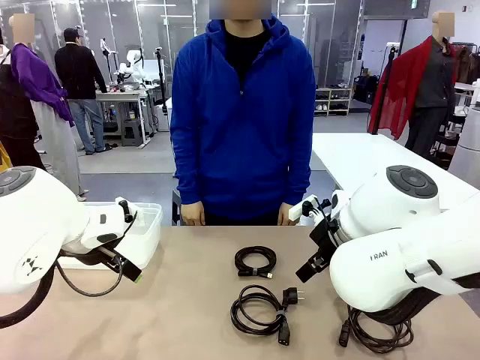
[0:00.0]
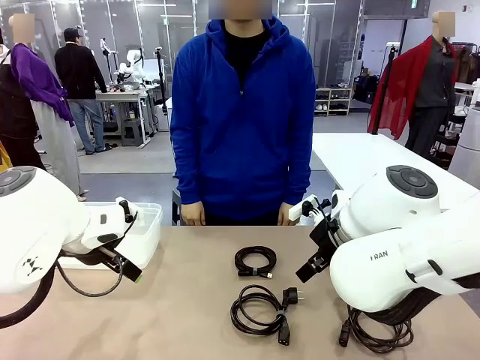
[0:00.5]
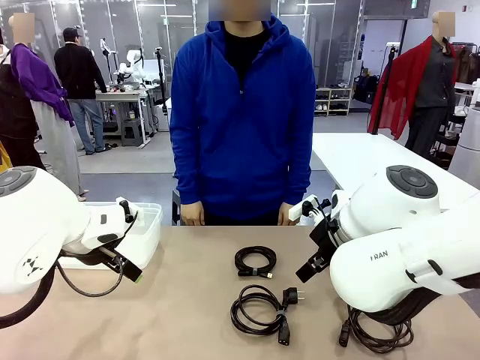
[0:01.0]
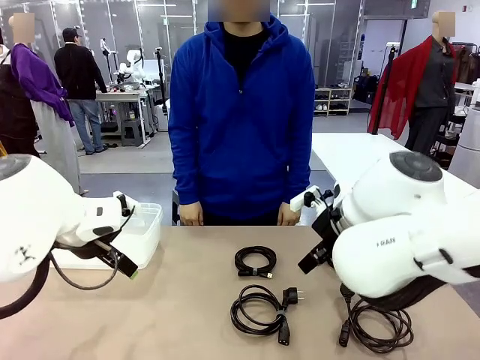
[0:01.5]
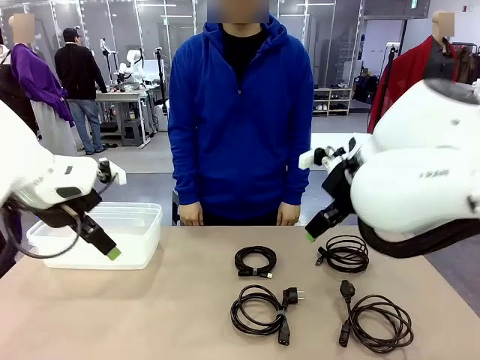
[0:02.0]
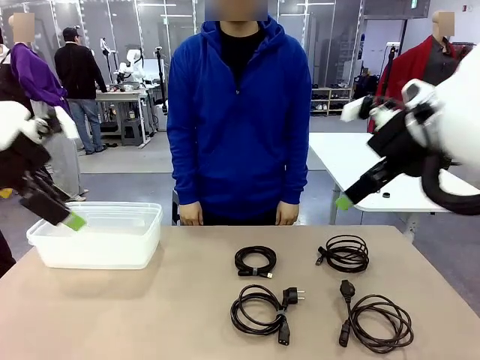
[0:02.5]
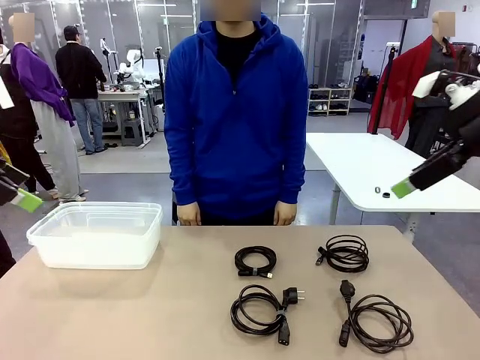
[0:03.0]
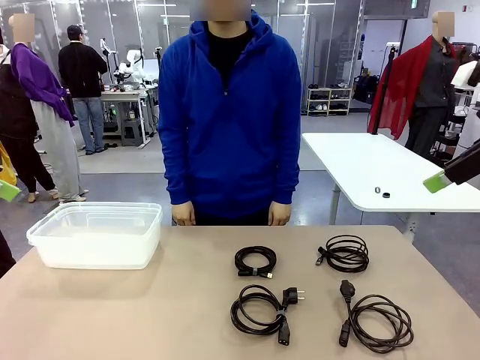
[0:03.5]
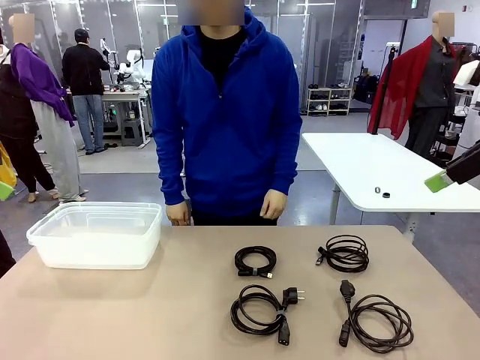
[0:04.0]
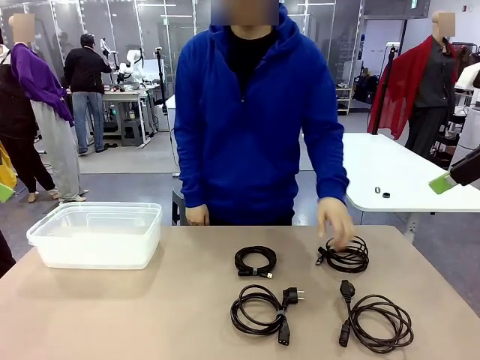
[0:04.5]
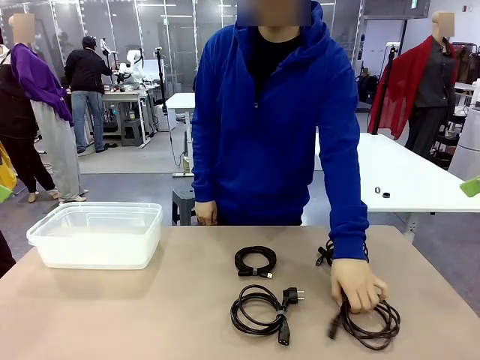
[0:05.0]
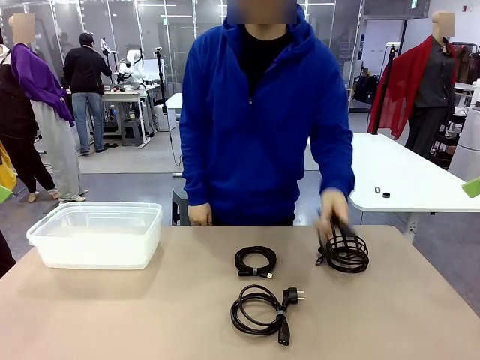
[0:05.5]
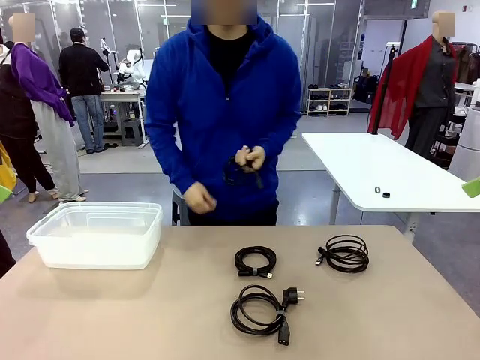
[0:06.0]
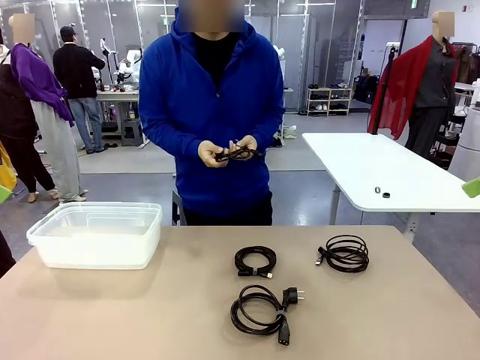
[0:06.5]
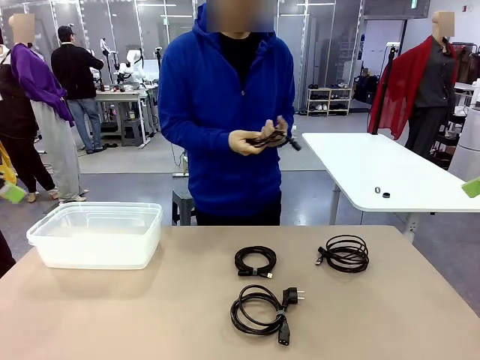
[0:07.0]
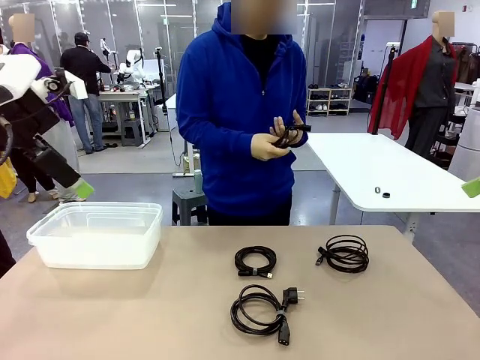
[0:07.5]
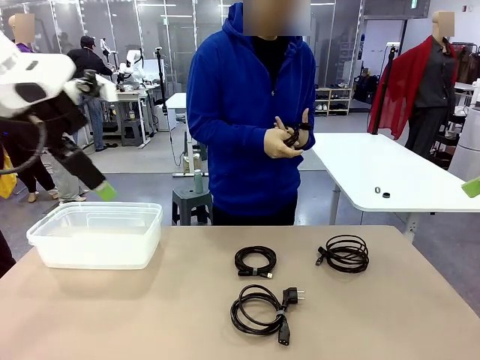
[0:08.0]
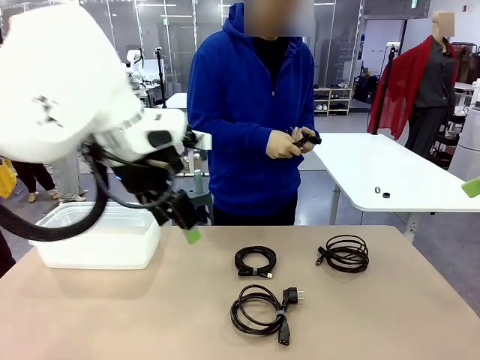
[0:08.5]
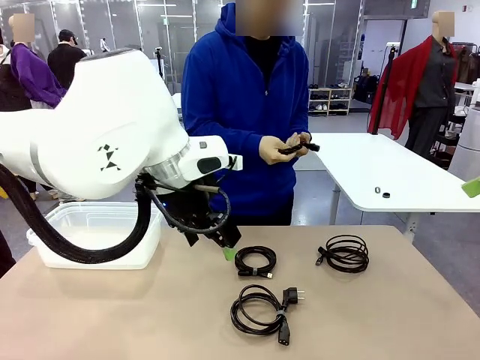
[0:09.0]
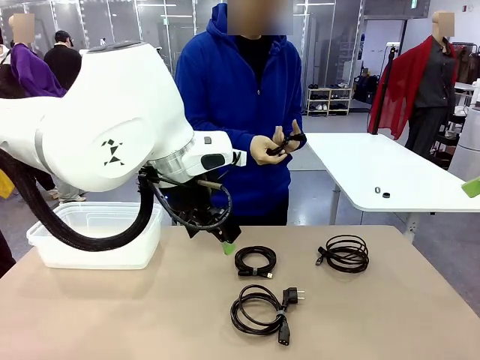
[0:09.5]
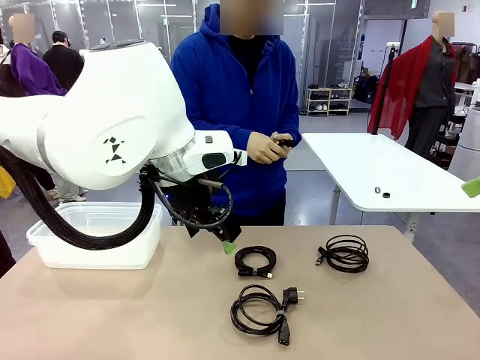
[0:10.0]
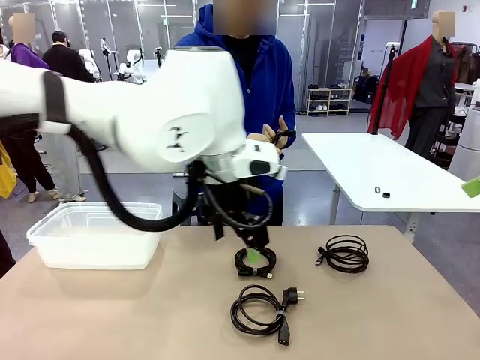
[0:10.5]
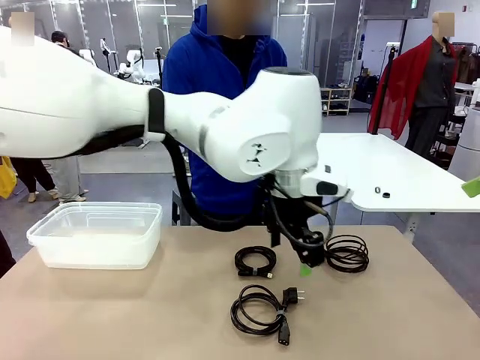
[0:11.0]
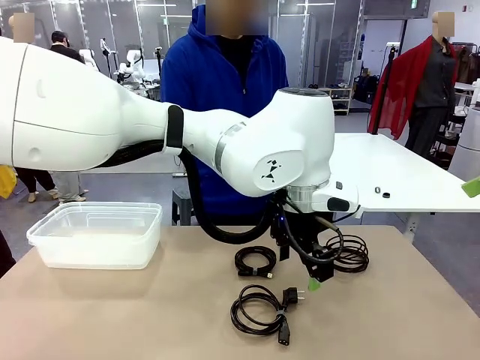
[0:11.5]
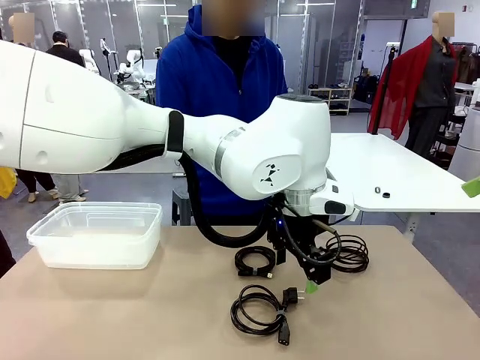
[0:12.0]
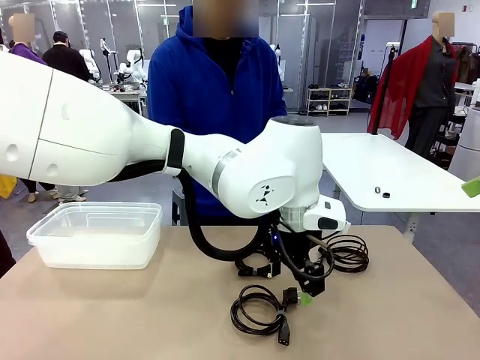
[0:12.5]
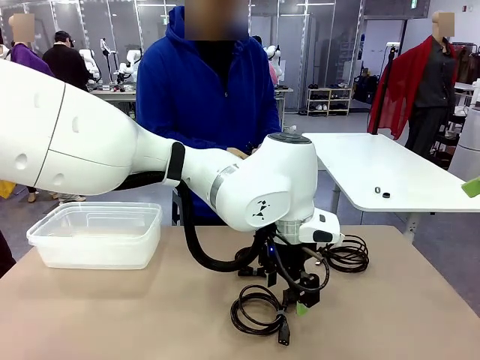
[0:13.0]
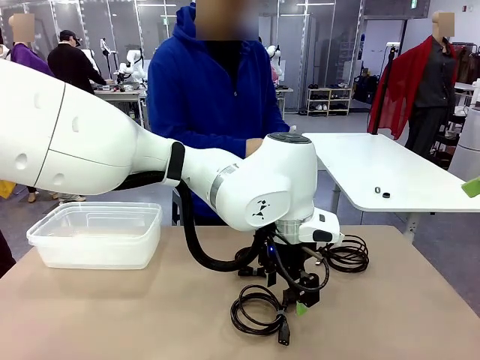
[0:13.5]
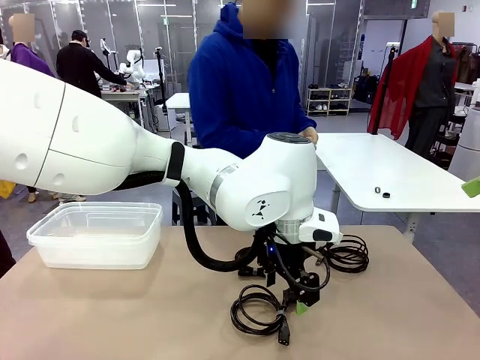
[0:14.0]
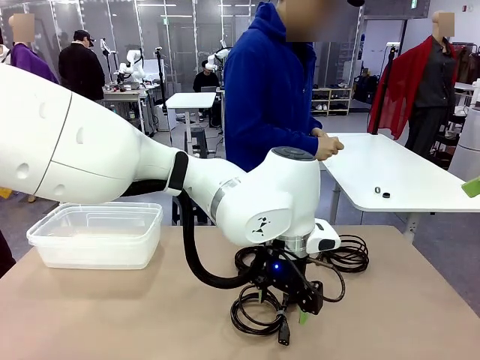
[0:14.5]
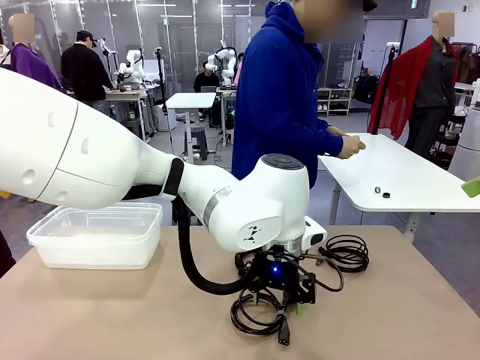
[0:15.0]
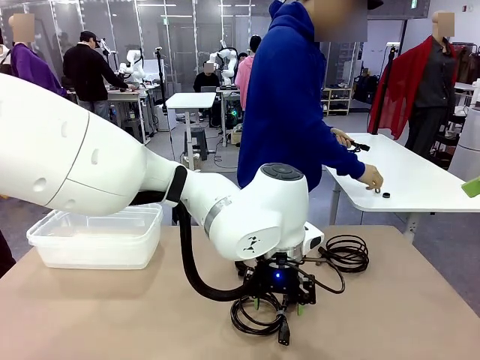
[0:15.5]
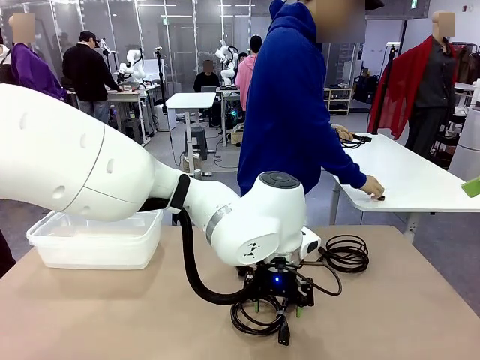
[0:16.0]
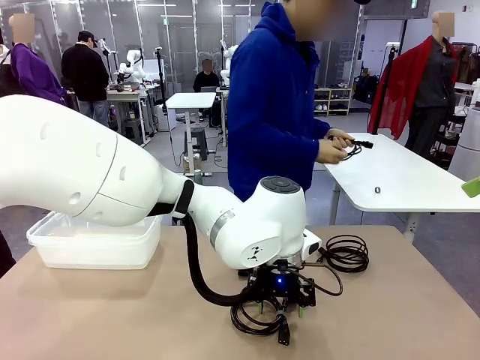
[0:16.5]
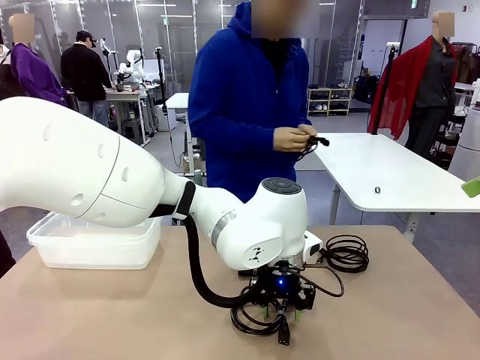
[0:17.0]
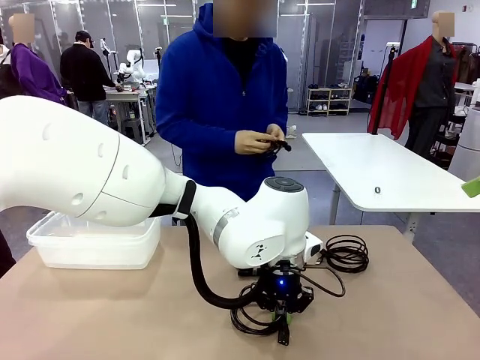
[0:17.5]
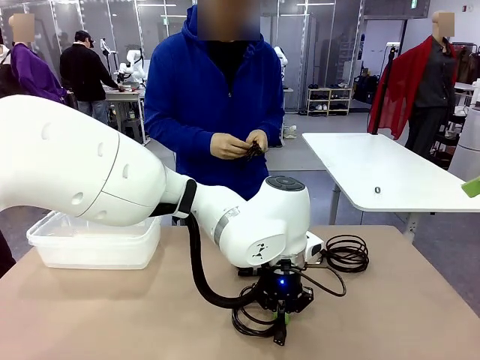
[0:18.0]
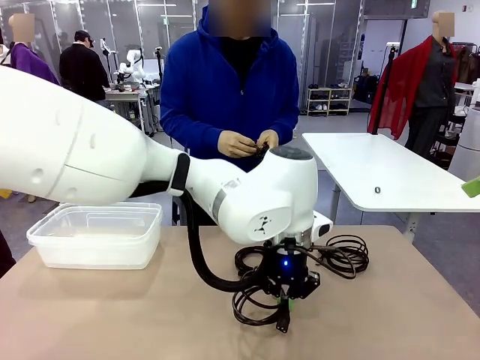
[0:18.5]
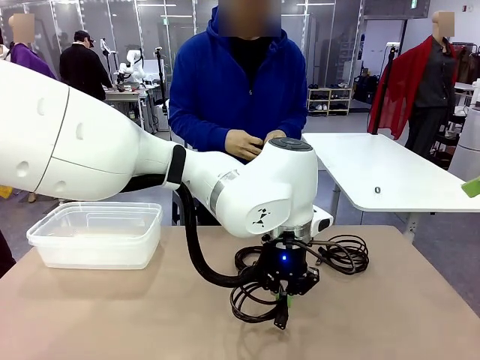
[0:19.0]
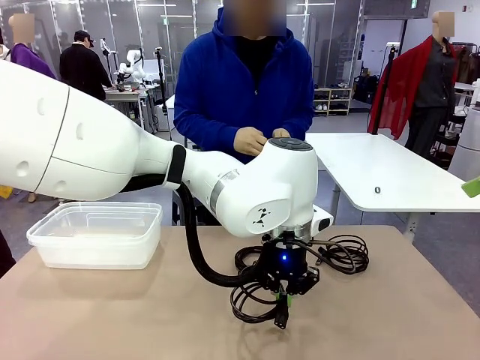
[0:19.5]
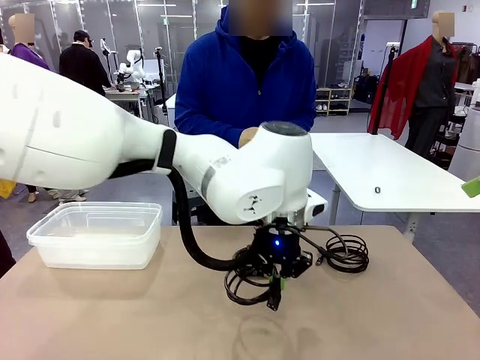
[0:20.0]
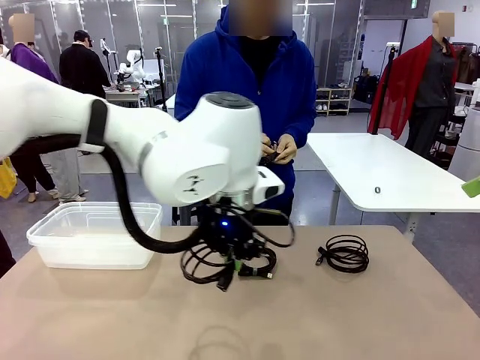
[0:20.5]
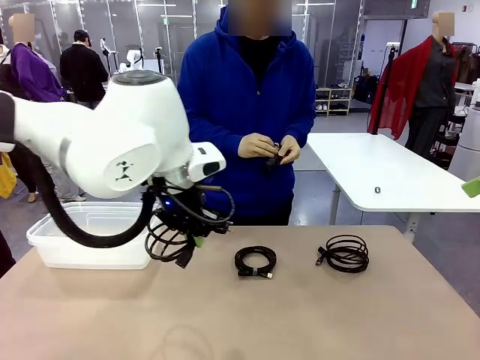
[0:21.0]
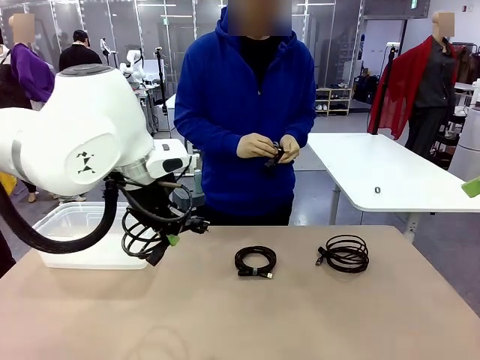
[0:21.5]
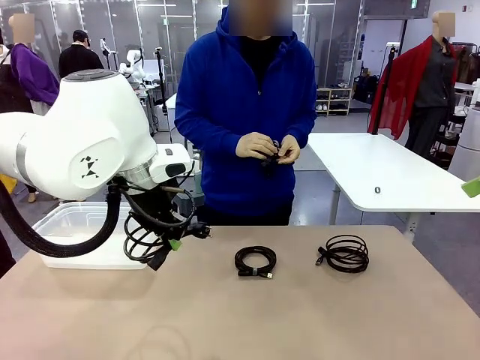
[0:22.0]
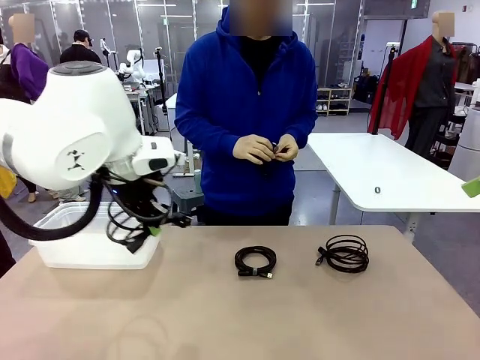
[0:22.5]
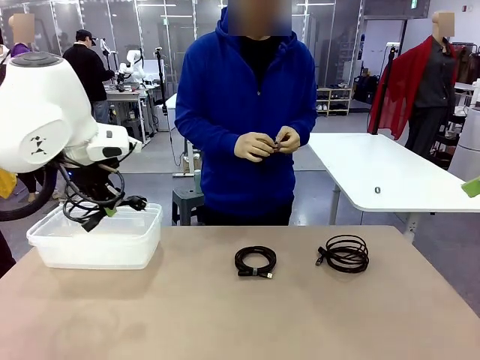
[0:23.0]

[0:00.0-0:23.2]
Task: Organize and store the cables.
Robot: Place the Power Cable into the Organizing box.
Person: Tie one Power Cable with a Reusable Cable Tie.
